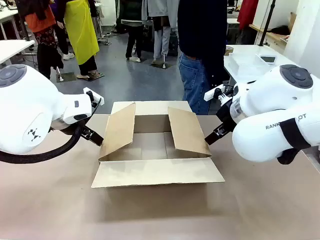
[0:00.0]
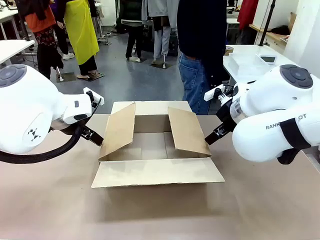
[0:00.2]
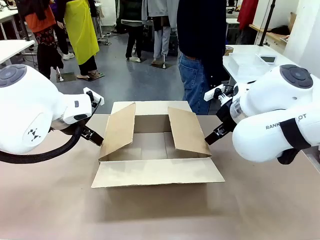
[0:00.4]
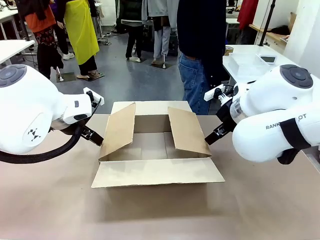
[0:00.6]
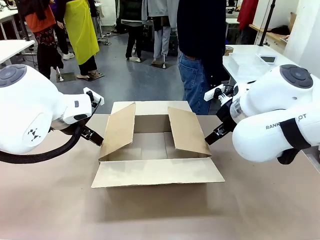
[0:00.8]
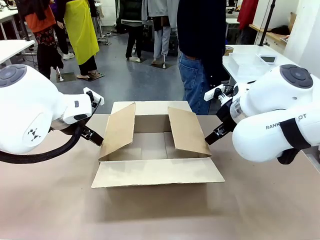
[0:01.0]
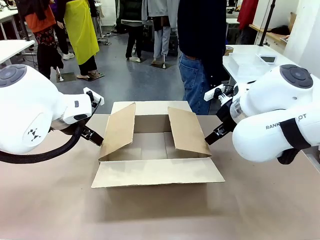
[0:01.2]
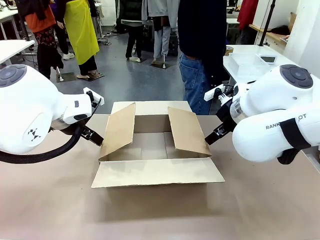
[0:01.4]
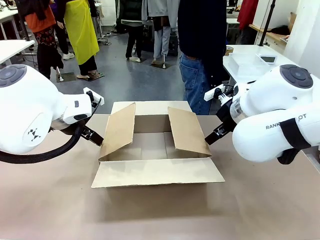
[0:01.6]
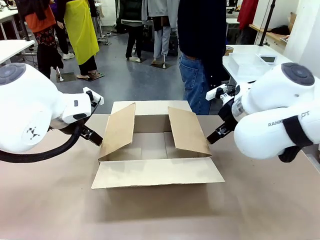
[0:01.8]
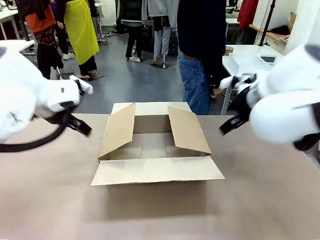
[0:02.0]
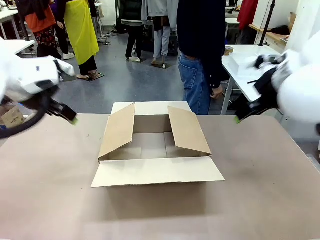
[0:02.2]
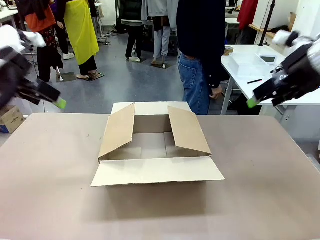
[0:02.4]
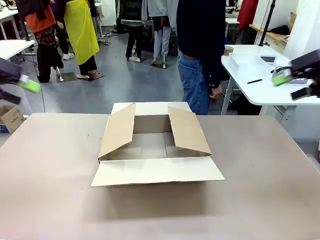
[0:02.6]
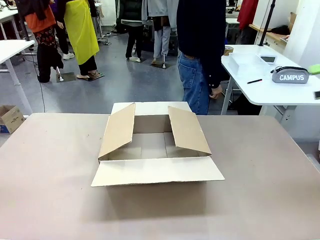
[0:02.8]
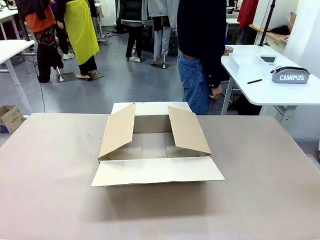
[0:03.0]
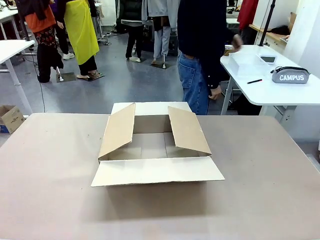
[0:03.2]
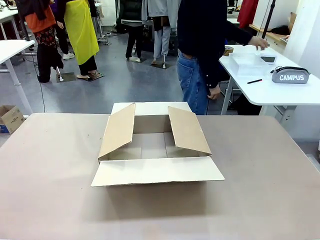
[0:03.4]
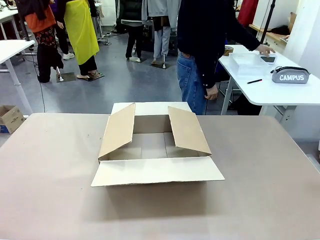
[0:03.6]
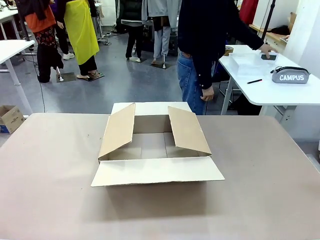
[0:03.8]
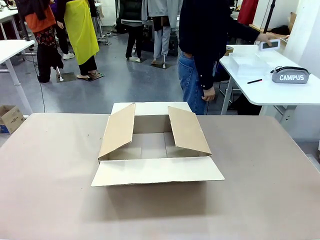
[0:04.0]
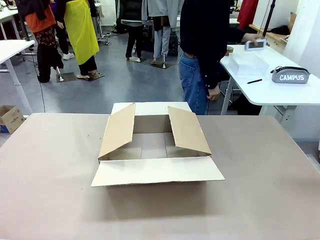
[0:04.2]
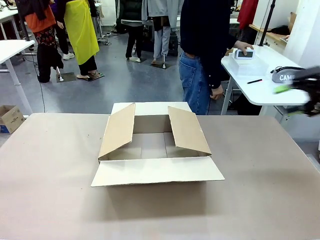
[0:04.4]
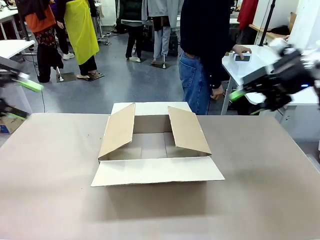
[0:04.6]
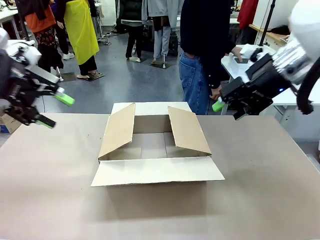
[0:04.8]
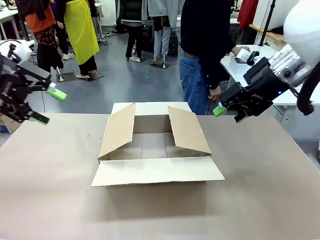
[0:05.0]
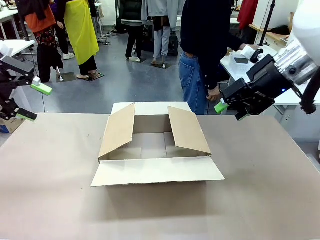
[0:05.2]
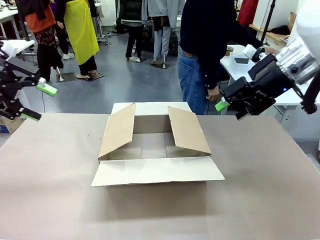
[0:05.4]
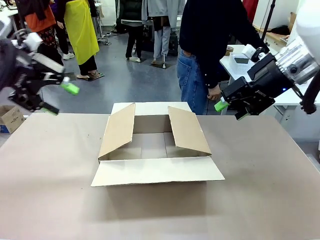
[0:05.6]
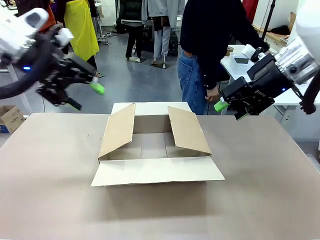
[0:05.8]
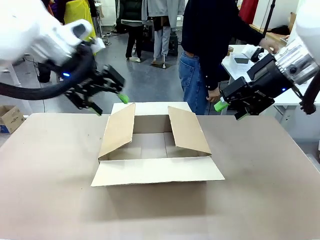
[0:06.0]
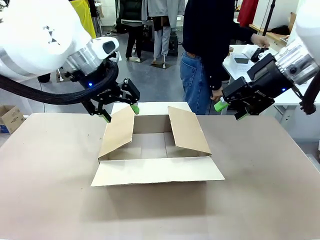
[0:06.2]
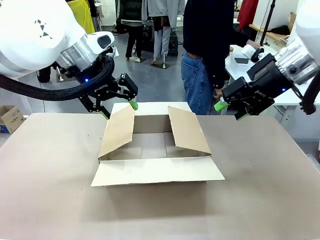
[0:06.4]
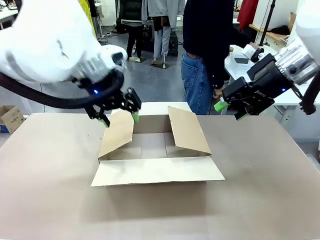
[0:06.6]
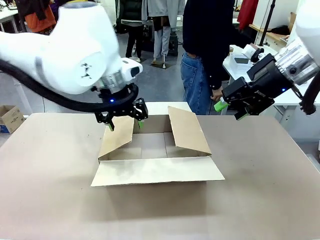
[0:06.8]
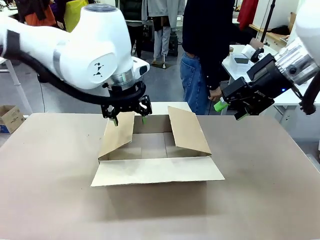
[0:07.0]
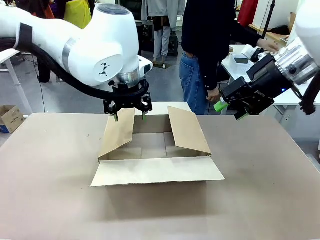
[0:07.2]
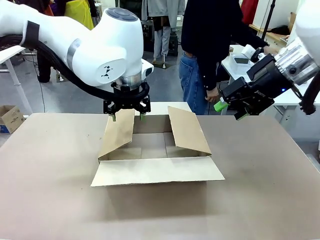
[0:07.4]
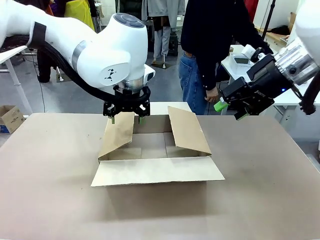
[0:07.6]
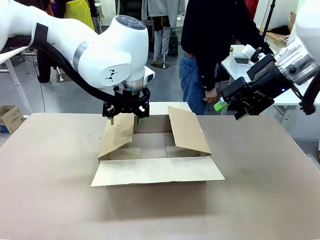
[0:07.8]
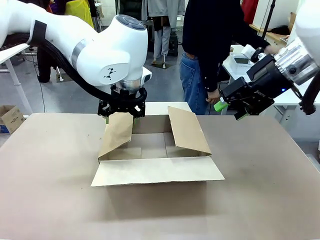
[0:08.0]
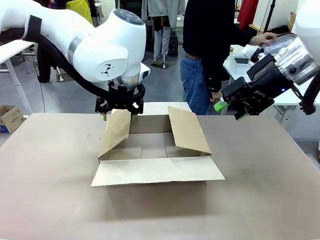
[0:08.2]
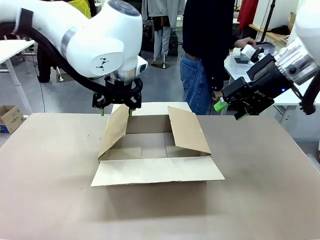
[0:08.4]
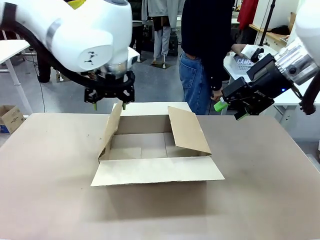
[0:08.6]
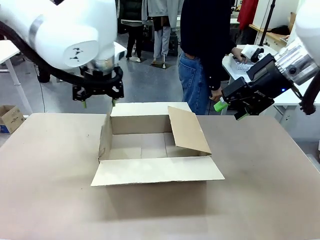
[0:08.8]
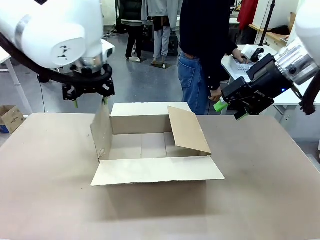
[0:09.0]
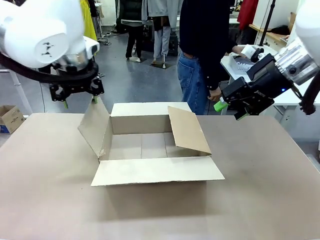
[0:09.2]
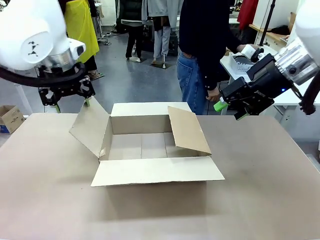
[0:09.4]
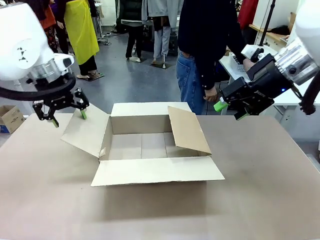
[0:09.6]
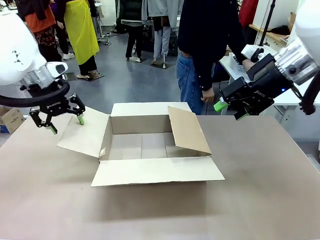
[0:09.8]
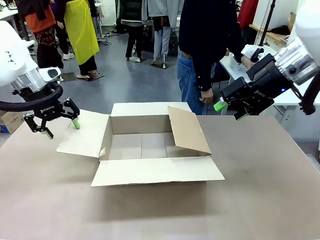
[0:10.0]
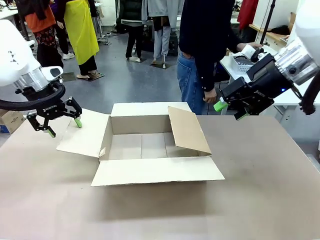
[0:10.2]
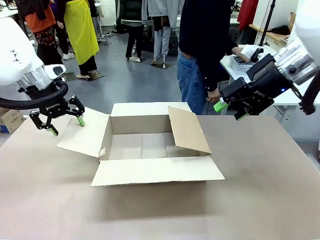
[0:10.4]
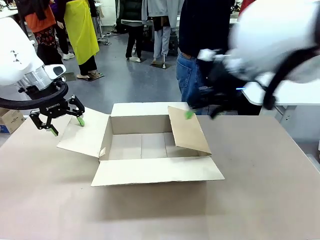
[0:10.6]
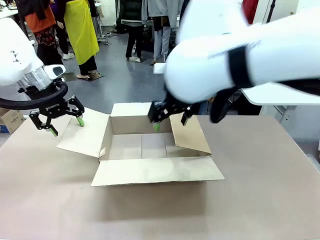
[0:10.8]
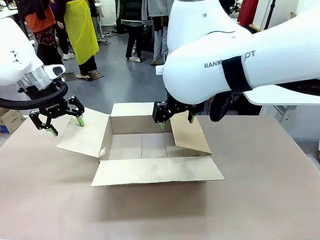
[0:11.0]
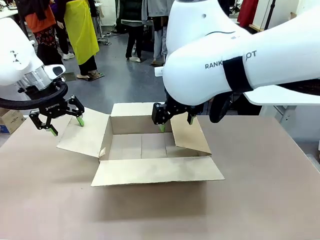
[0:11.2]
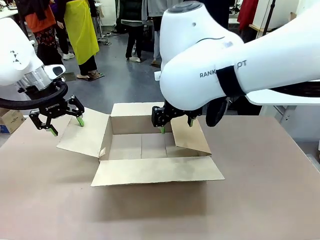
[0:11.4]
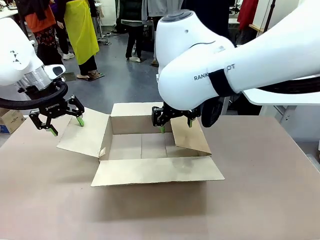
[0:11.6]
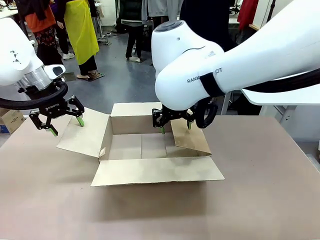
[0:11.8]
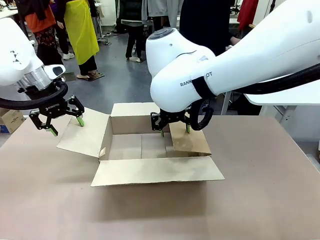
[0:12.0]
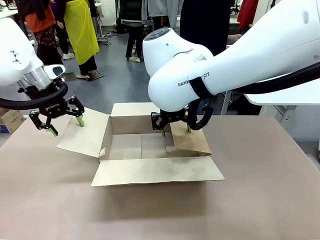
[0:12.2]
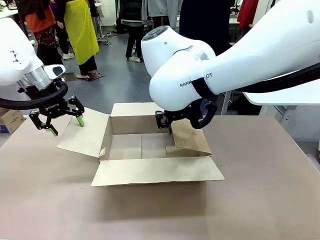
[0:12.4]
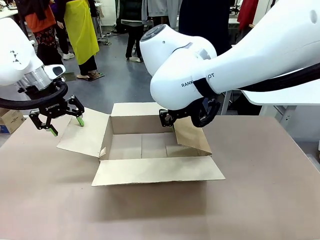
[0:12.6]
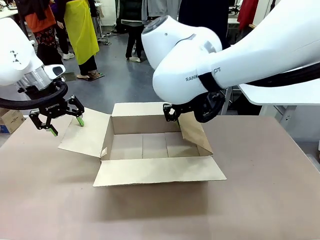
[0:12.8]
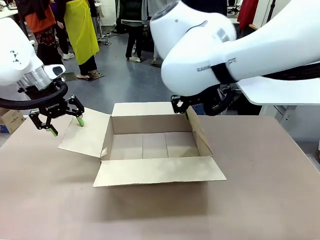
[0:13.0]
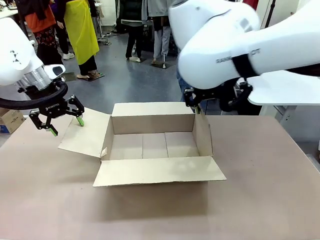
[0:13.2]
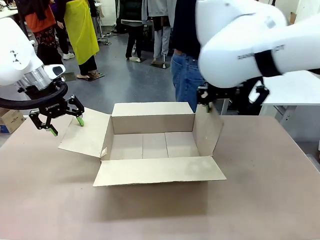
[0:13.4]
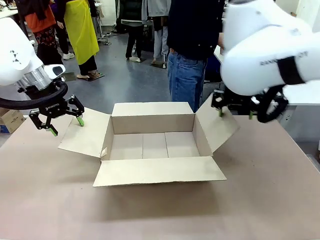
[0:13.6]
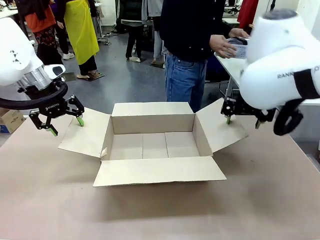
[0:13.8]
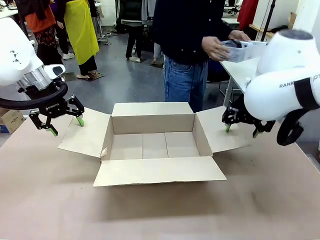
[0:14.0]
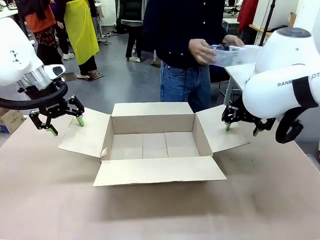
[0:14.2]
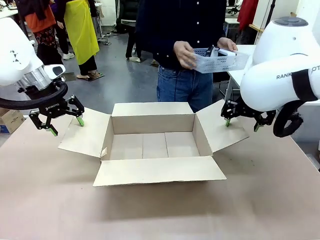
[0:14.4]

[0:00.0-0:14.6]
Task: Pack the gift set into the box.
Robot: Place both hands on the side flaps of the Package Box and spread them outward.
Person: The human places all items except the paper tape into the organizing basket.

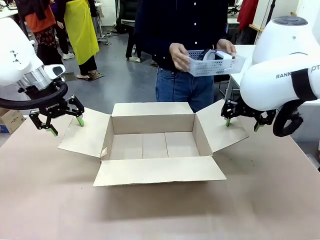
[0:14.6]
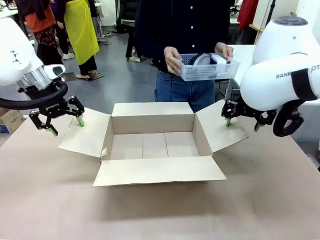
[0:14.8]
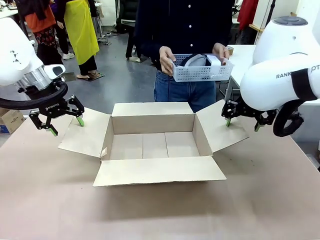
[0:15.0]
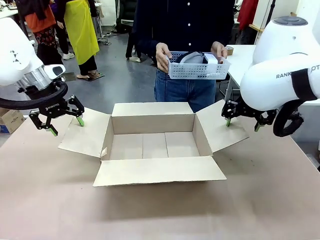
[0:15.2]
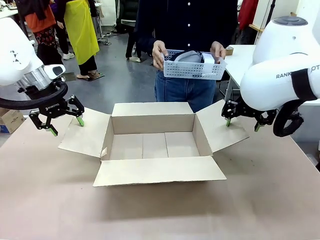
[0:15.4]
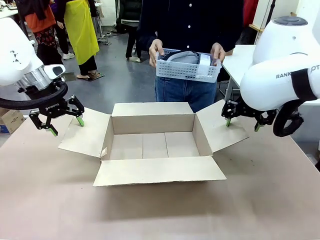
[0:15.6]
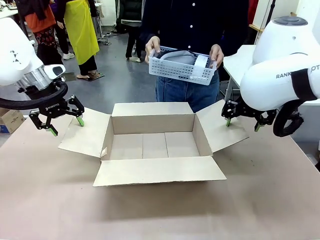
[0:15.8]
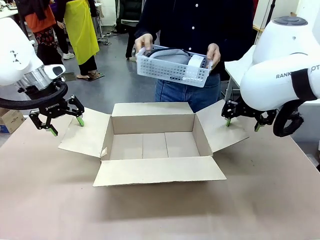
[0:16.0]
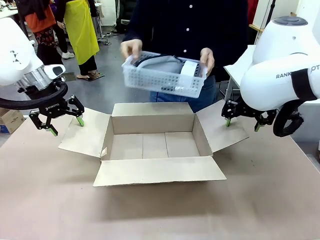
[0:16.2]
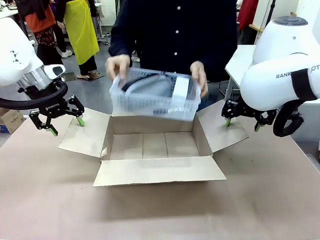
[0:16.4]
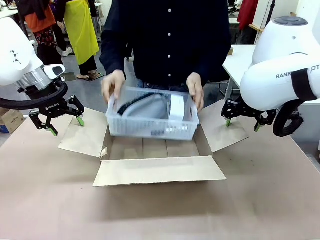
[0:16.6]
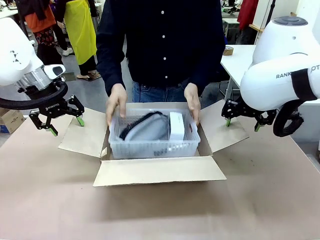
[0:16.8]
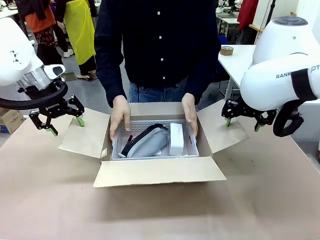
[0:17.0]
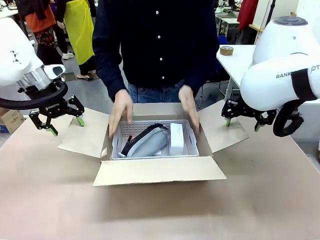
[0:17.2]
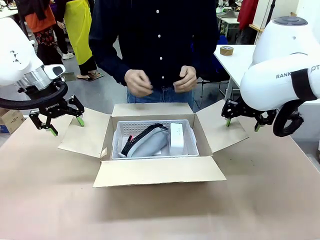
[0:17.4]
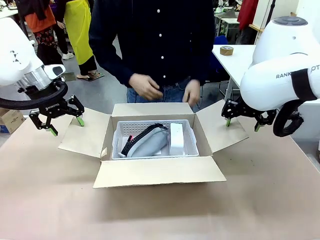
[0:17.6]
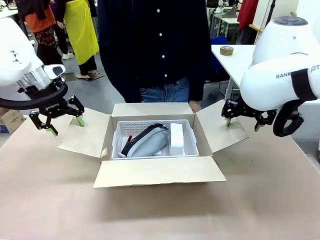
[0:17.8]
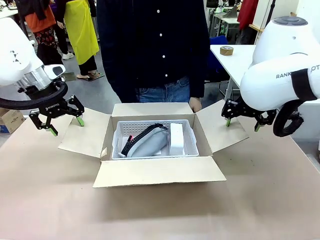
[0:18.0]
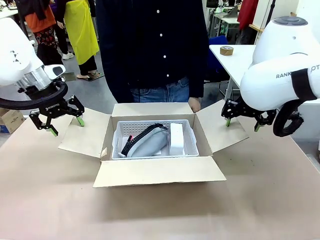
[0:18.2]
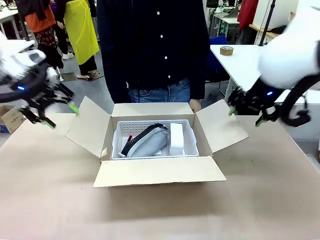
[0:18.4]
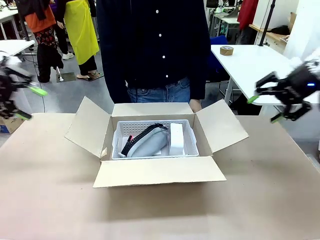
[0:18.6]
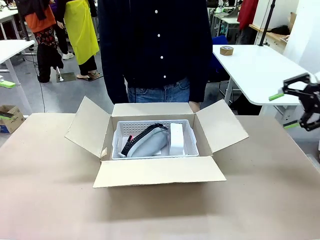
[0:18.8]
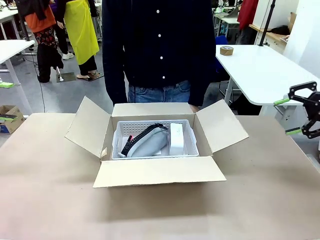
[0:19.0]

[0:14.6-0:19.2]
Robot: Lift both hands away from the flaps of the Package Box.
Person: The human picks up the organizing basket and places the organizing basket into the package box on the robot table.

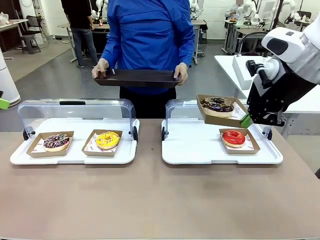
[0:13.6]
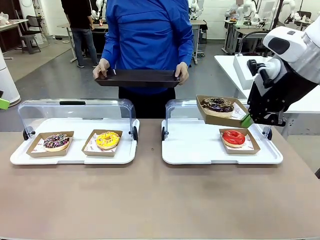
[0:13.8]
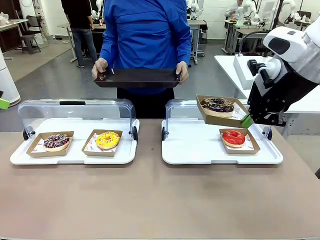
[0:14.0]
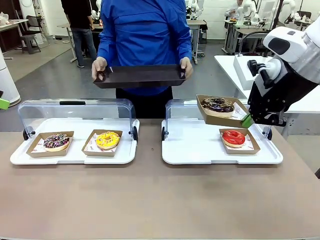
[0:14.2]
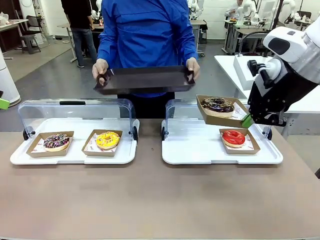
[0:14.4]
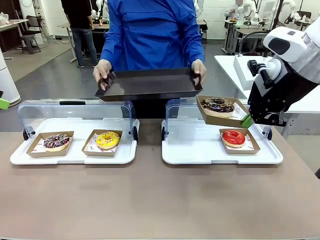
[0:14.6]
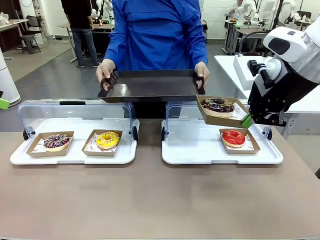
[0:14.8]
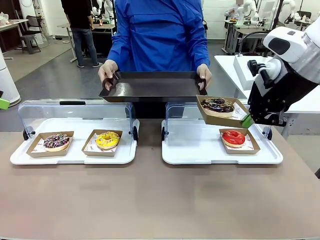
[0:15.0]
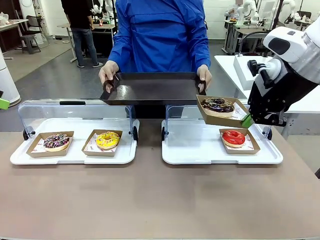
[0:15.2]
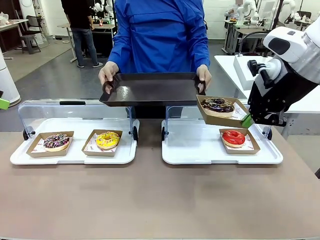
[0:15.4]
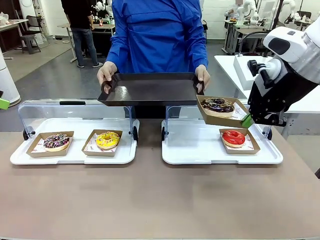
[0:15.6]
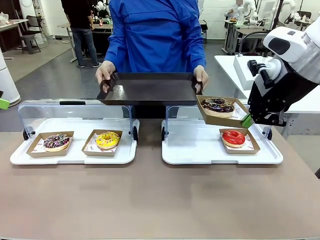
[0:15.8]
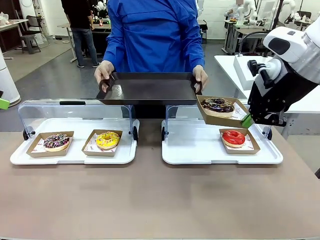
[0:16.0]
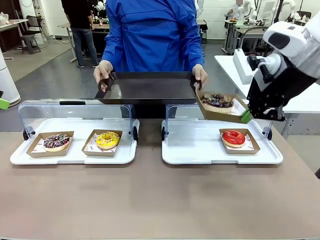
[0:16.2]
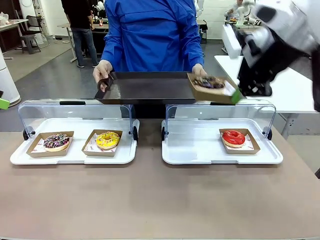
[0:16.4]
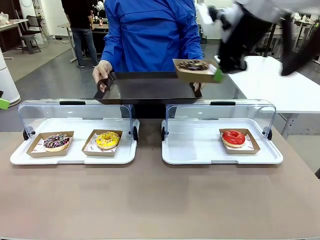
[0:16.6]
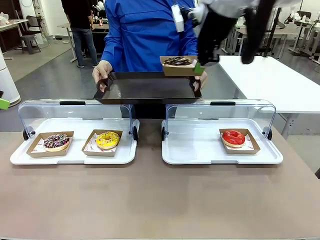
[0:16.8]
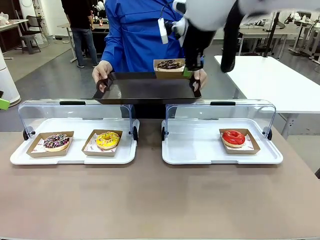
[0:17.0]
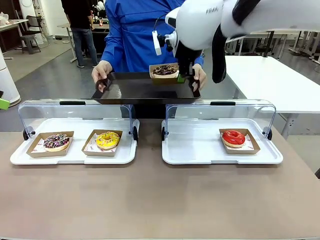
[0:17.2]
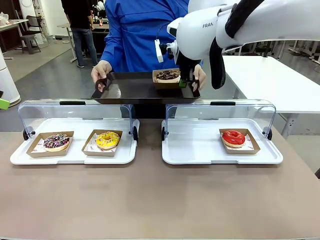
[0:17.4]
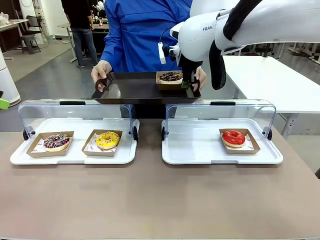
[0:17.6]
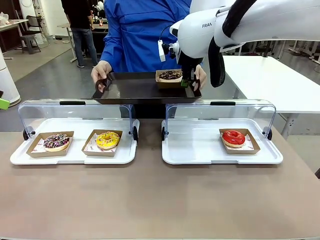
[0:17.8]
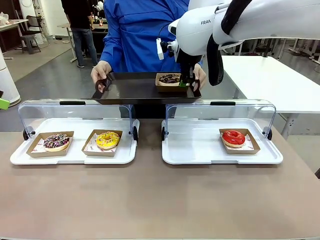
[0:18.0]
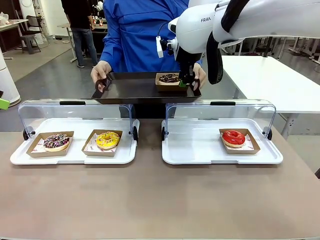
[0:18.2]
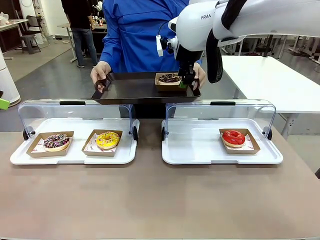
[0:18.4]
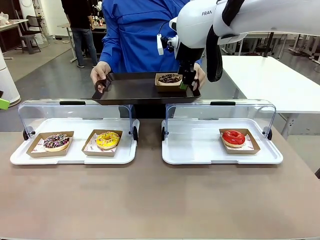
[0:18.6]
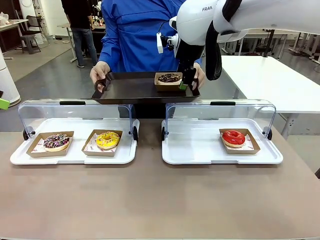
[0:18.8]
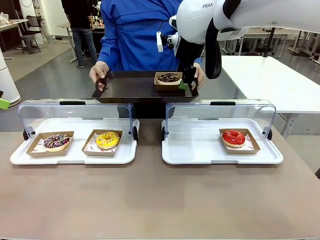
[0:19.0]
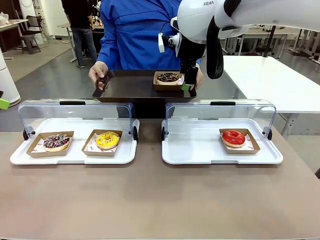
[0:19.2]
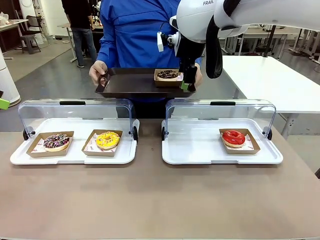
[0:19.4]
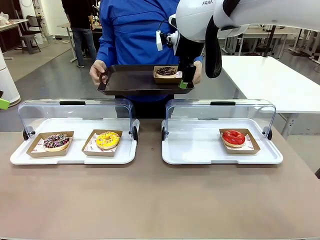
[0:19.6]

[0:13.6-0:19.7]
Task: Provide the desired donut to the person.
Robot: Place the picked Paper togo box onto the Handle tray extended by the person.
